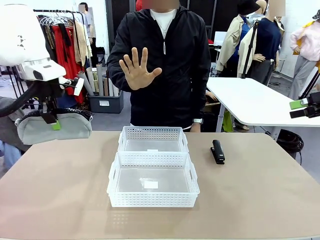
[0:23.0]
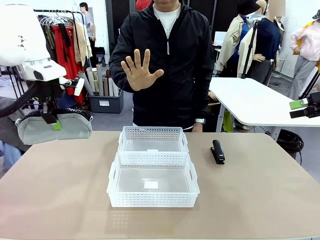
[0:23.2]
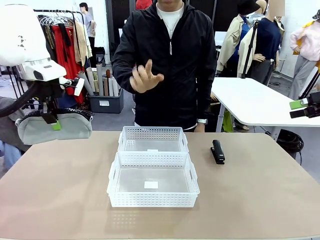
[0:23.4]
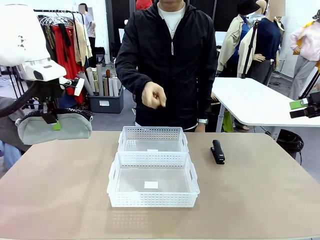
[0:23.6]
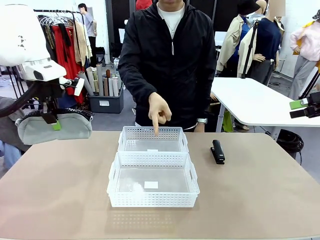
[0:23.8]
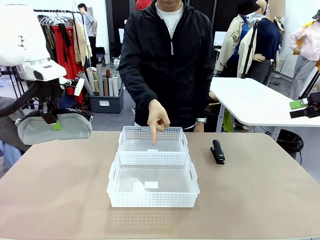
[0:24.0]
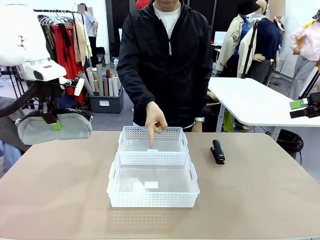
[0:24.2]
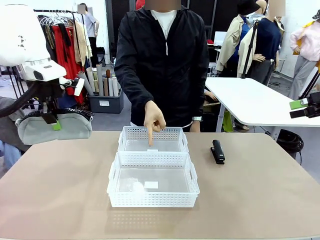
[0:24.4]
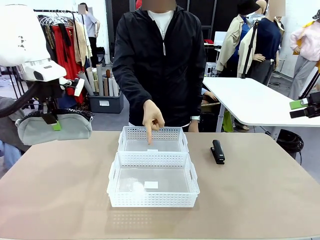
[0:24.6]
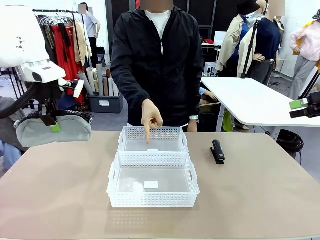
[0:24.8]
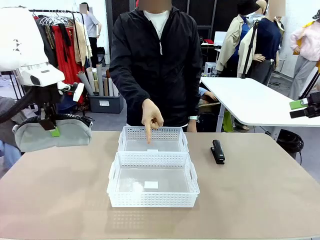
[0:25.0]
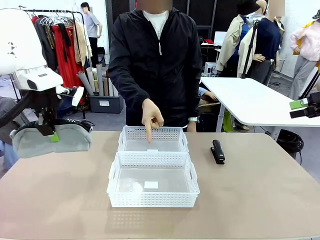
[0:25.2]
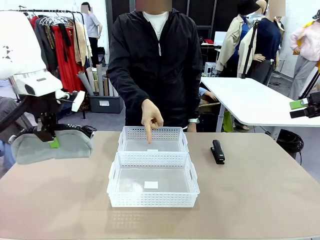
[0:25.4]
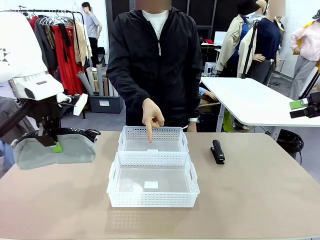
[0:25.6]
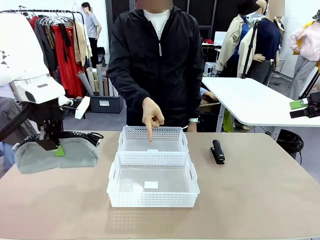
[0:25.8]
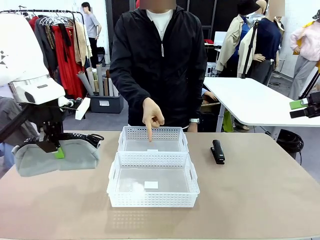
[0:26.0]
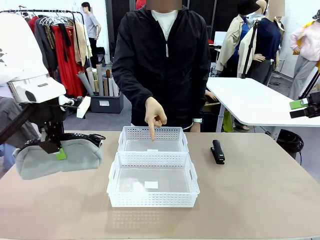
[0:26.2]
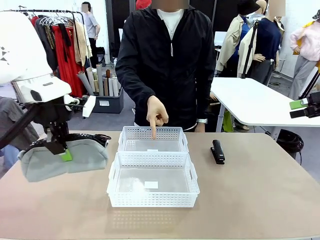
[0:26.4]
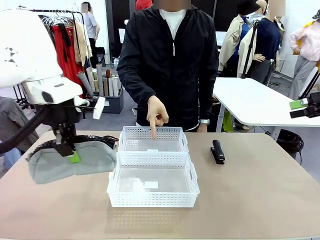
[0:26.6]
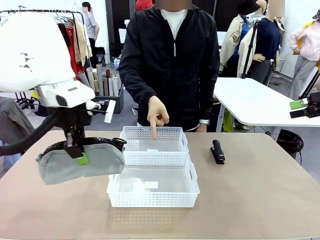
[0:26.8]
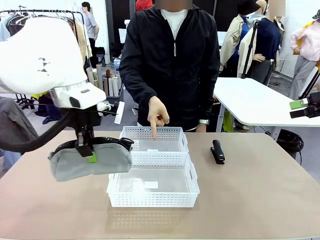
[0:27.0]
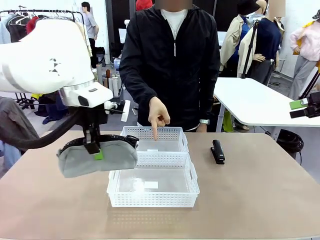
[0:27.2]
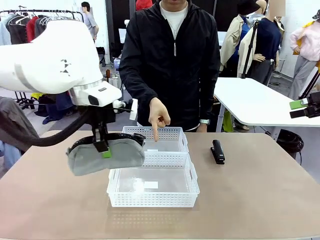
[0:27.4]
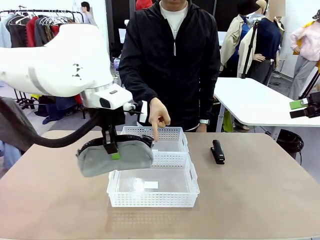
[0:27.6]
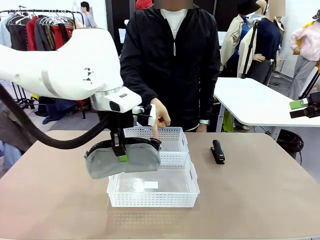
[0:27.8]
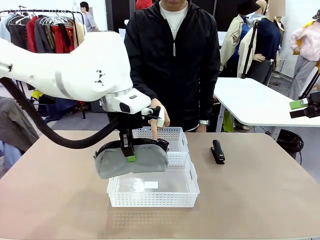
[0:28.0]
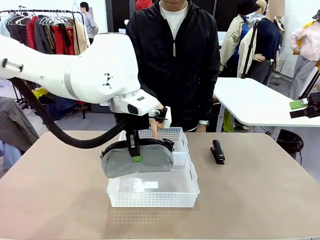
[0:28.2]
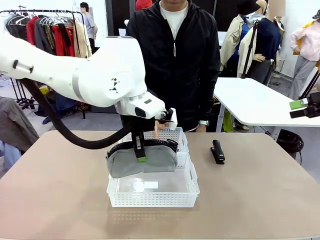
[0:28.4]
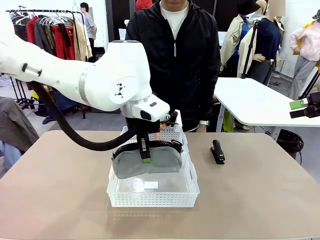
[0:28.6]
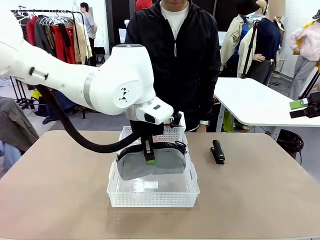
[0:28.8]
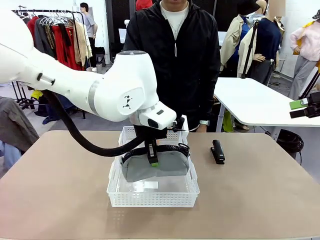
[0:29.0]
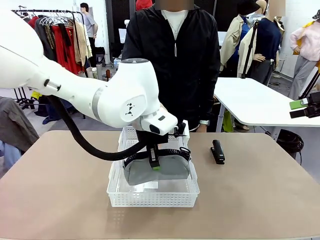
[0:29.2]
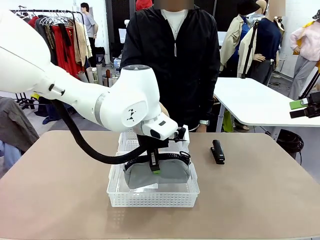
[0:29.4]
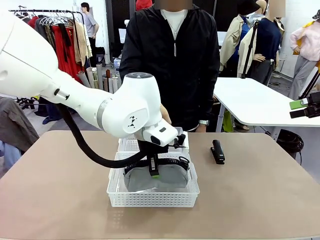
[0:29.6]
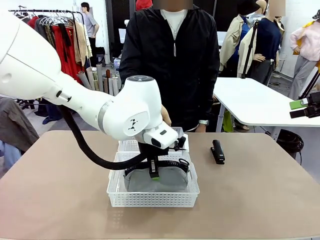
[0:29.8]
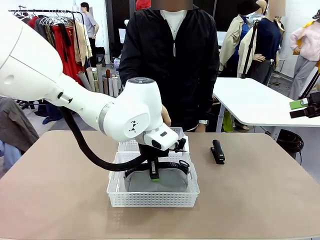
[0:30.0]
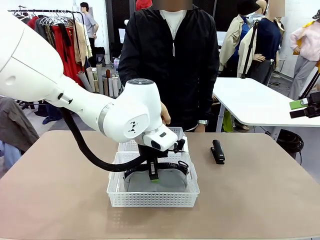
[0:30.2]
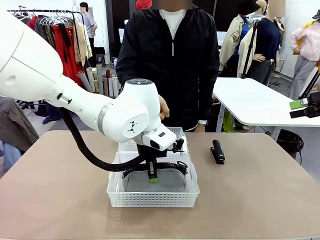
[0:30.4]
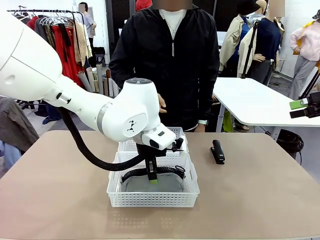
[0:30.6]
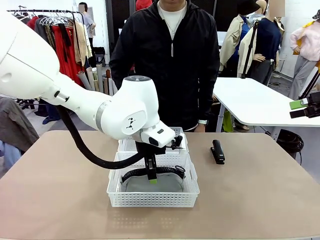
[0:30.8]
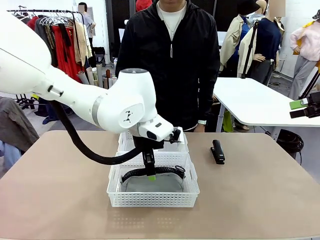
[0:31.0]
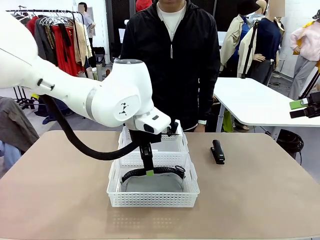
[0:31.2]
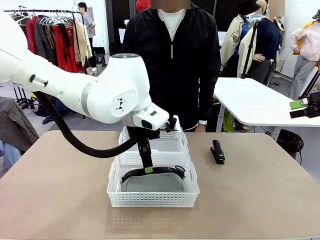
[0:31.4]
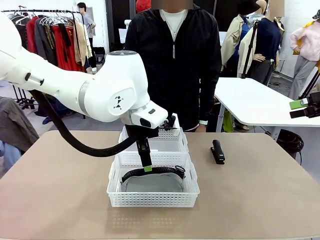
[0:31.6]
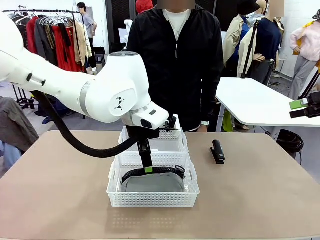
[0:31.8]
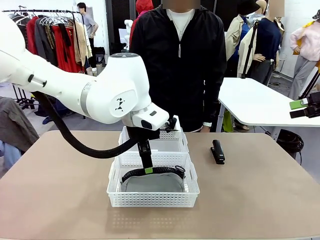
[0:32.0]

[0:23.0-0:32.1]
Task: Distribute items into two baskets.
Robot: Place the picked Pencil pouch into the Organizing basket as instructed by the person.
Person: Instructs the robot to place the pencil case into the opposite basket. Points to the stapler.

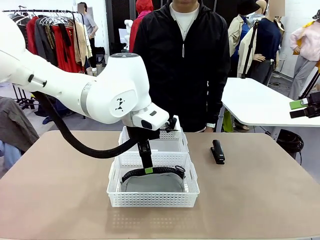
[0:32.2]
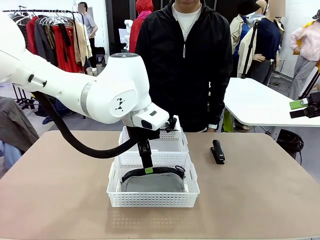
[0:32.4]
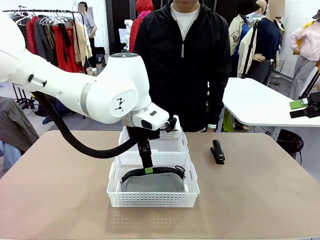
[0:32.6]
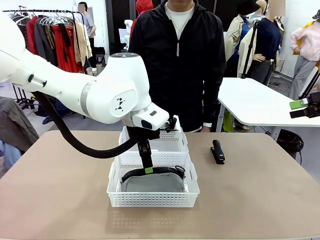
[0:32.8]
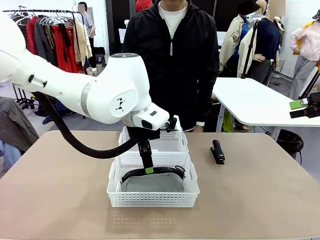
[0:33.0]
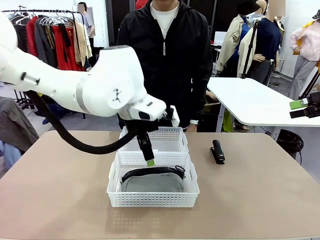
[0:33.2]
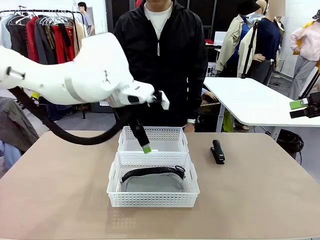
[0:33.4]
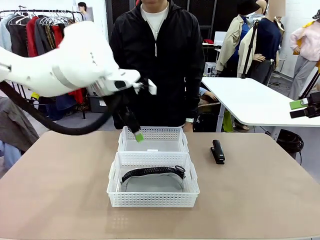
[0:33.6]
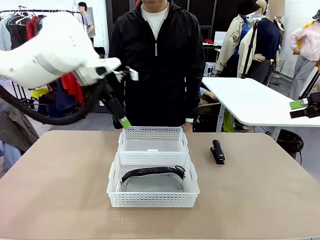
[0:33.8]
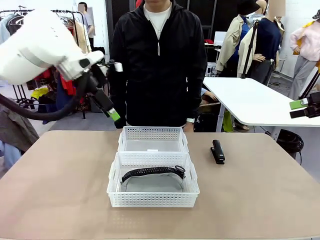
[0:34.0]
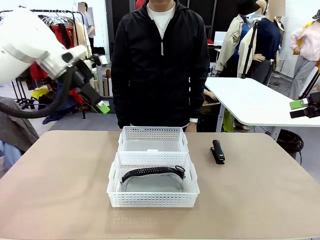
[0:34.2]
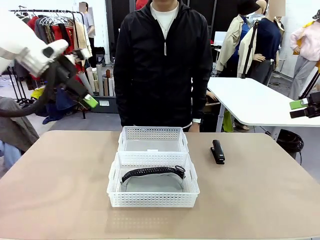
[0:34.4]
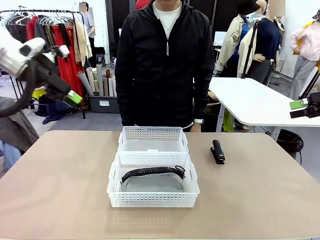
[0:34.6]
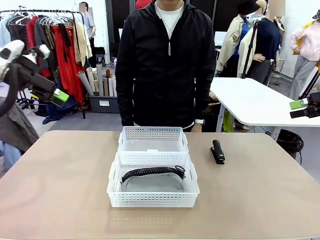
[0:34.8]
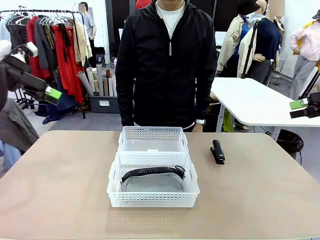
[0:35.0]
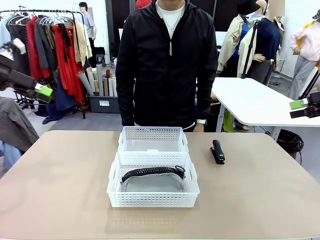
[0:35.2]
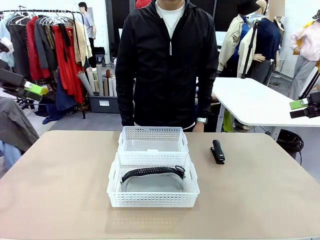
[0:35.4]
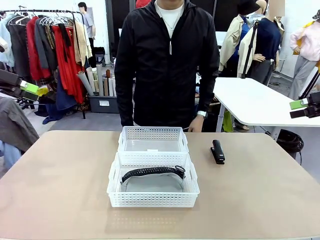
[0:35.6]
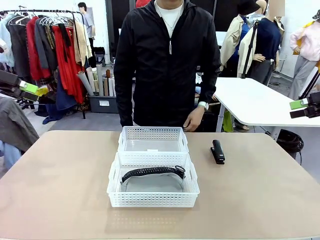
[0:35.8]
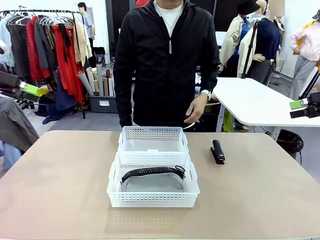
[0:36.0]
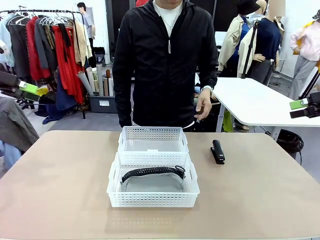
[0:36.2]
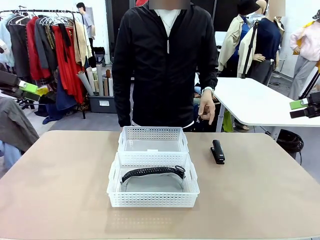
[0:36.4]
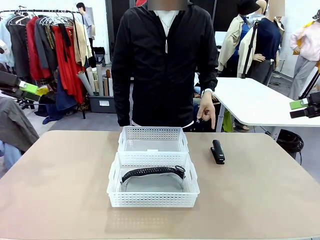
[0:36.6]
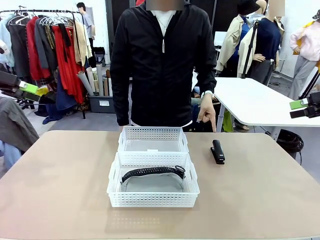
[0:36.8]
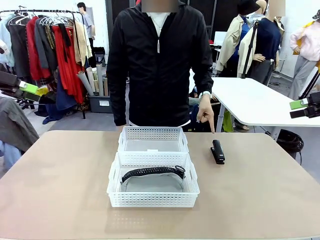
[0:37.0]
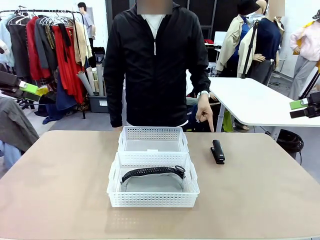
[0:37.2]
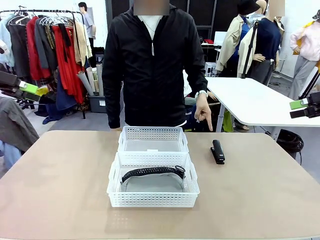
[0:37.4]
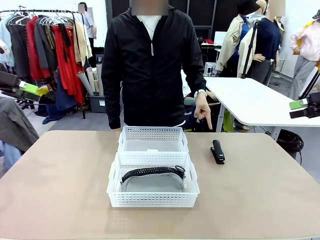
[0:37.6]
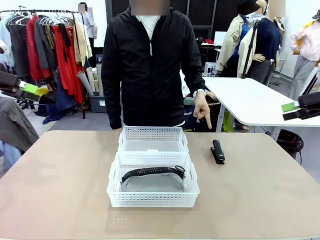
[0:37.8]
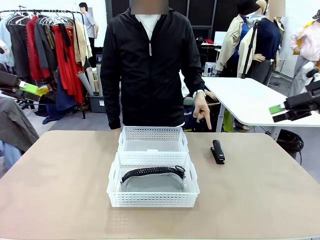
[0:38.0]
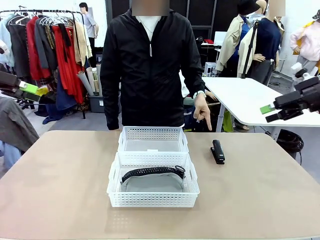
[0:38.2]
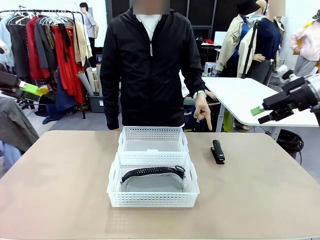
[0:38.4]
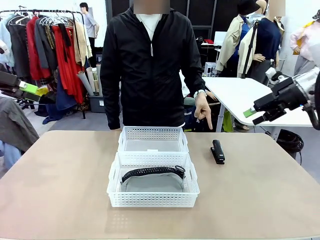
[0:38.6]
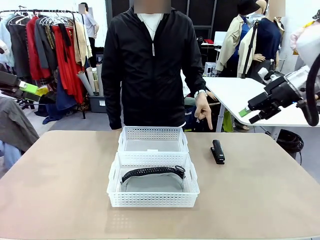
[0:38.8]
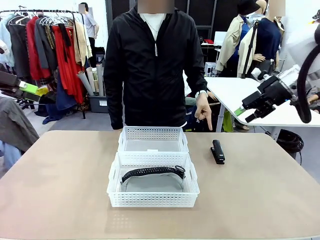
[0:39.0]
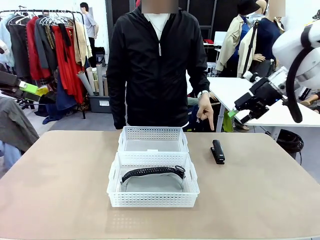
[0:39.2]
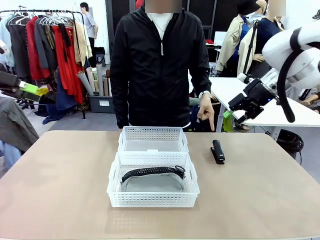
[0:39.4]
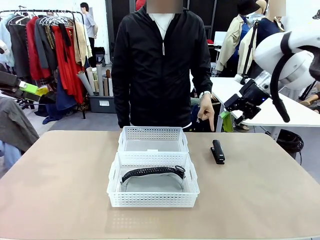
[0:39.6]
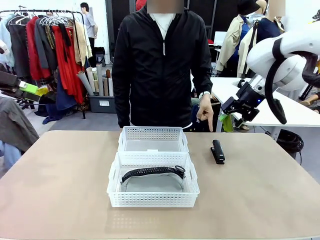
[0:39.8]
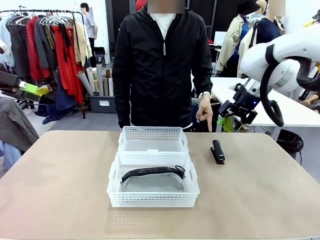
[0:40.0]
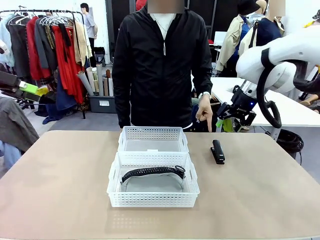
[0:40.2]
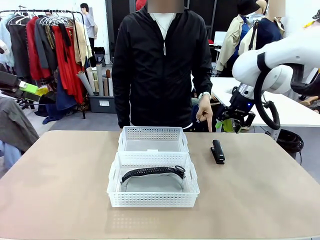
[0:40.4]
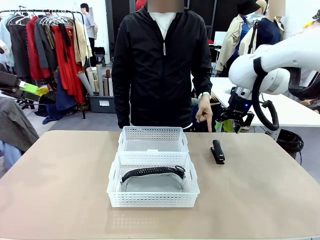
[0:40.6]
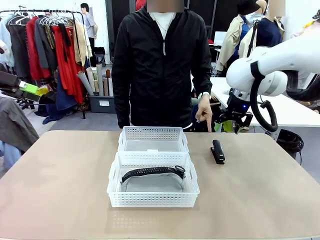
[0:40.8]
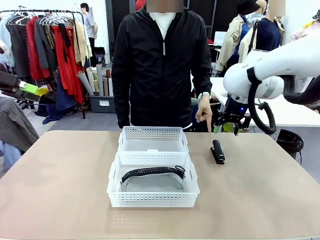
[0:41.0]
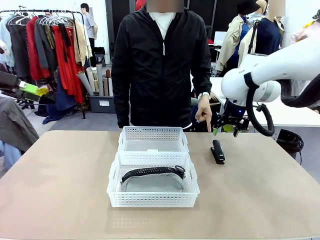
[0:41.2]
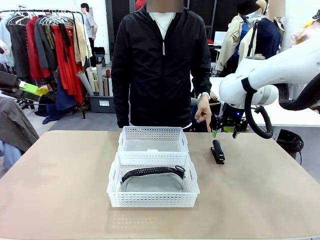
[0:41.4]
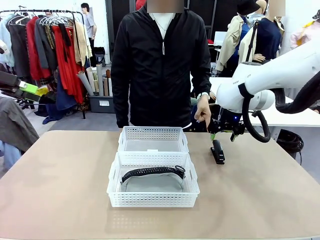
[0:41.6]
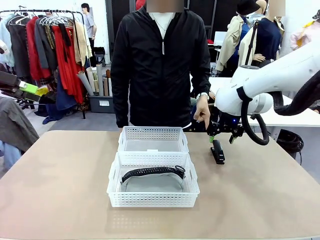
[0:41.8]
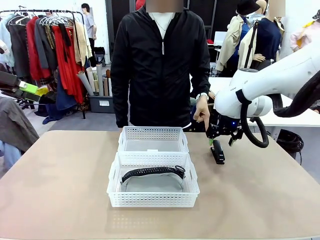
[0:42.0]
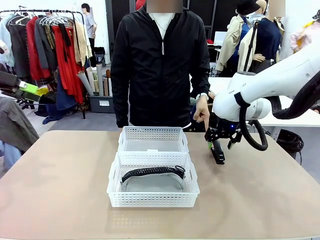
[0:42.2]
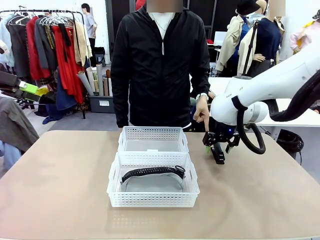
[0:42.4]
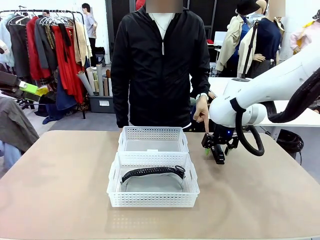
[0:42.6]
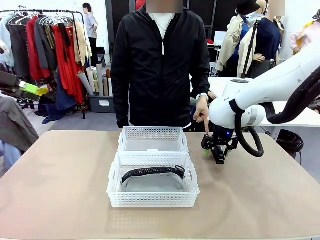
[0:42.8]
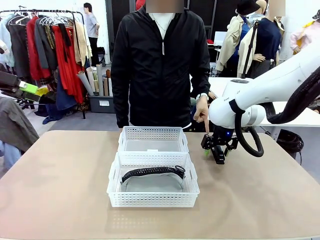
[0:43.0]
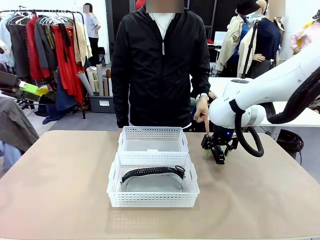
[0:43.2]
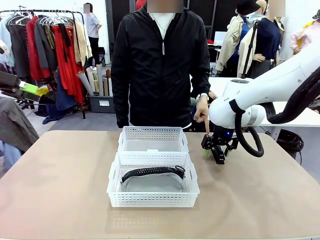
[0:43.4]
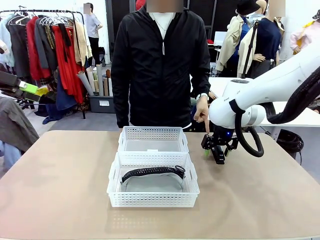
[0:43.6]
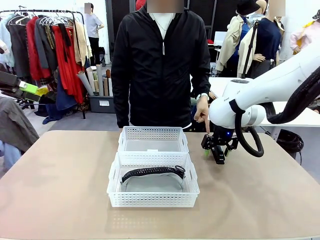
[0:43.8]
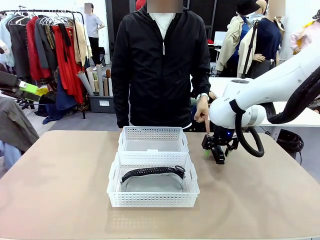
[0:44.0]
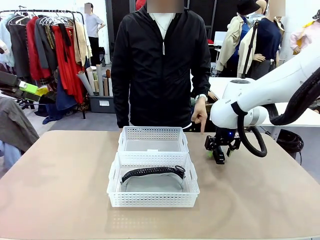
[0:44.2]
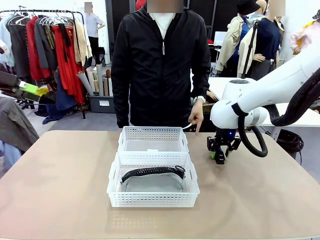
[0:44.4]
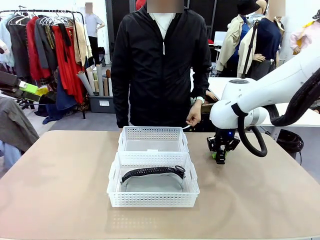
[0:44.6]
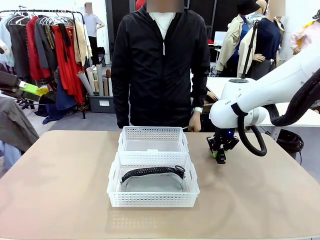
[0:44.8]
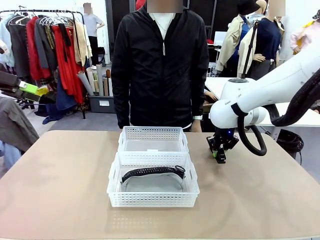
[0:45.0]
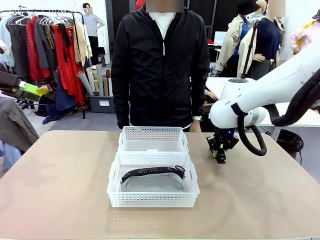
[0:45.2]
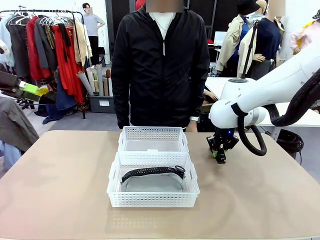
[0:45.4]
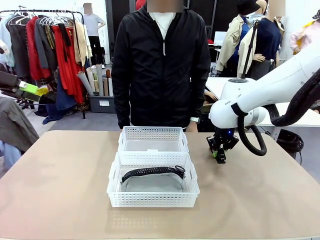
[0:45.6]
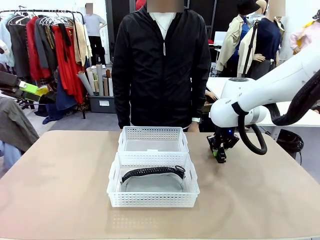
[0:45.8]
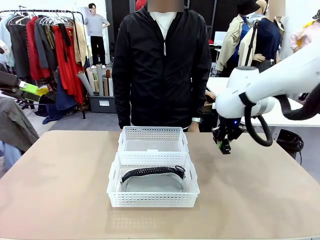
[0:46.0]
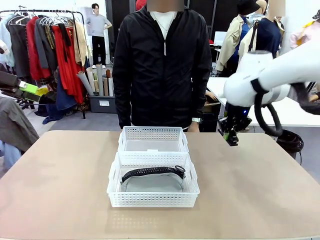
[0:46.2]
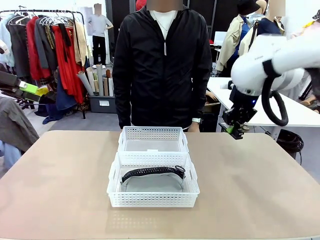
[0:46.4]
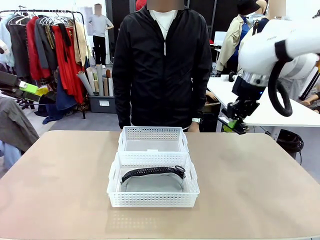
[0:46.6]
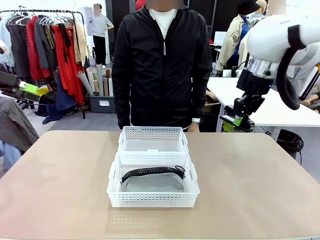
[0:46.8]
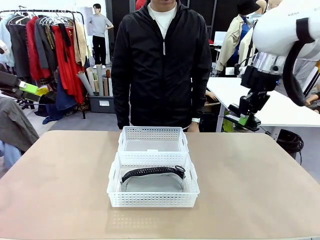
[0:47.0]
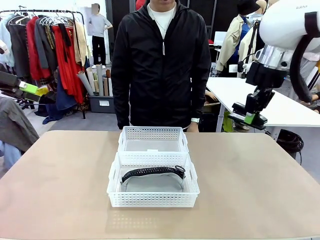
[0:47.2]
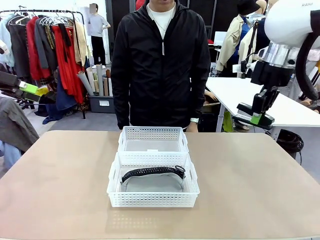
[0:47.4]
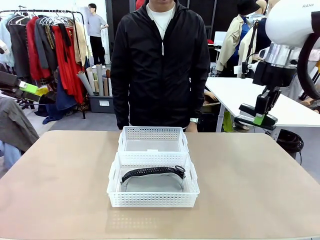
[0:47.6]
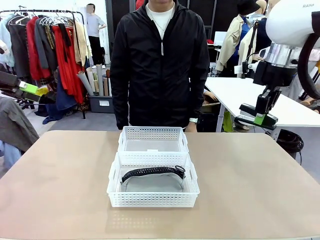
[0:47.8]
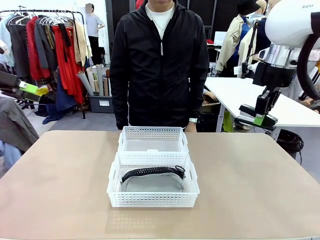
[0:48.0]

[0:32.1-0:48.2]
Robot: Pick up the Stapler that the person points to.
